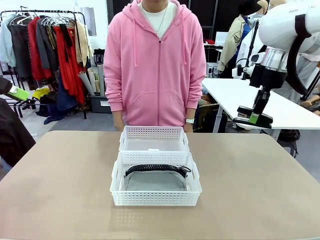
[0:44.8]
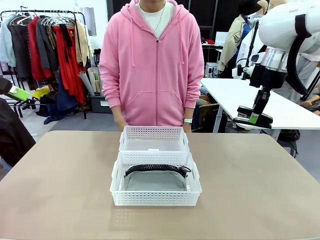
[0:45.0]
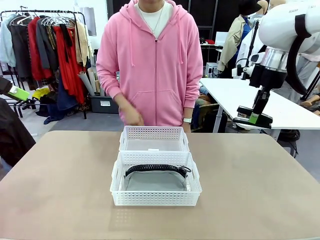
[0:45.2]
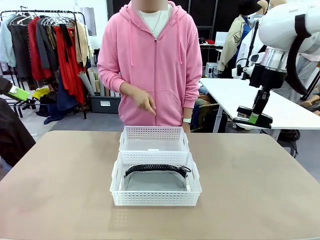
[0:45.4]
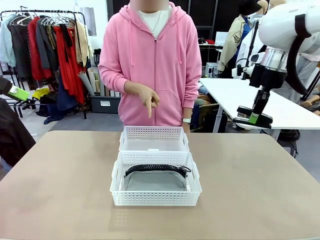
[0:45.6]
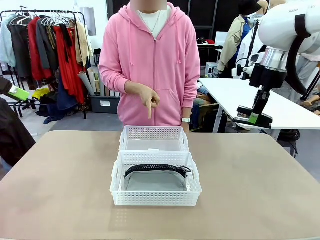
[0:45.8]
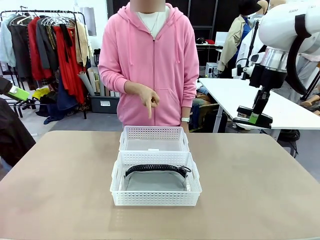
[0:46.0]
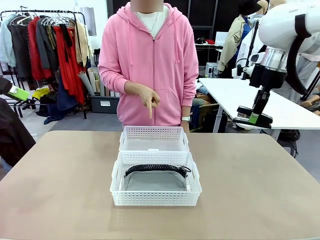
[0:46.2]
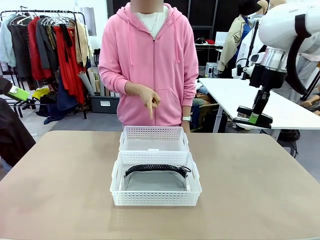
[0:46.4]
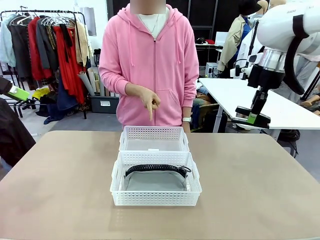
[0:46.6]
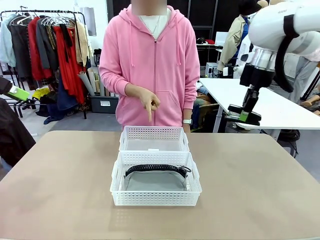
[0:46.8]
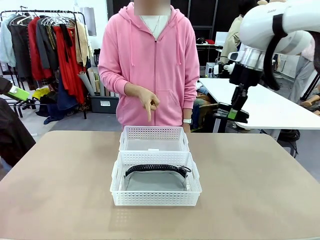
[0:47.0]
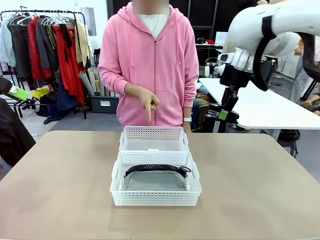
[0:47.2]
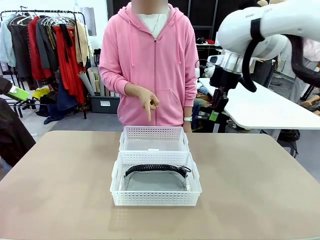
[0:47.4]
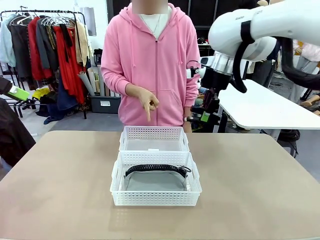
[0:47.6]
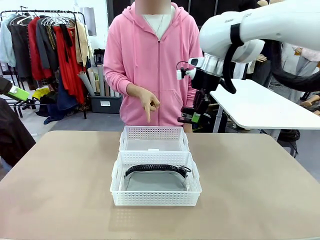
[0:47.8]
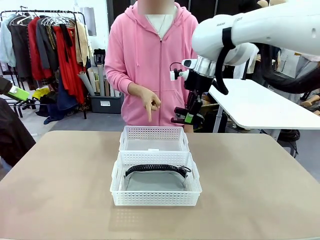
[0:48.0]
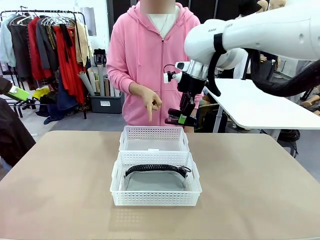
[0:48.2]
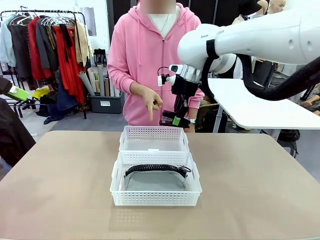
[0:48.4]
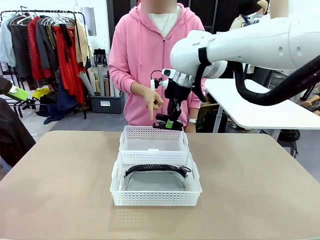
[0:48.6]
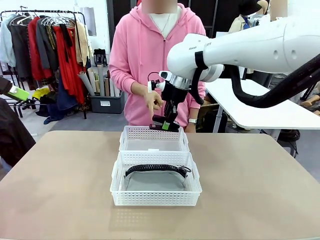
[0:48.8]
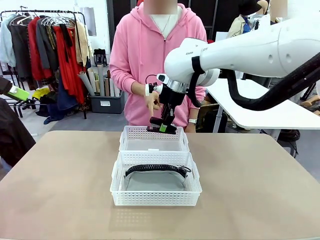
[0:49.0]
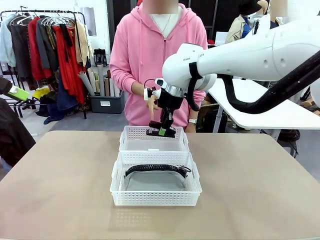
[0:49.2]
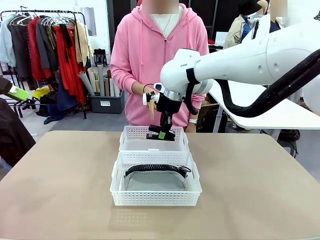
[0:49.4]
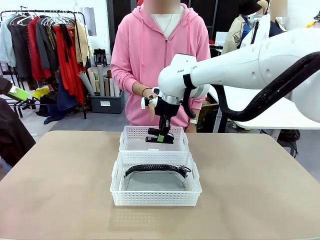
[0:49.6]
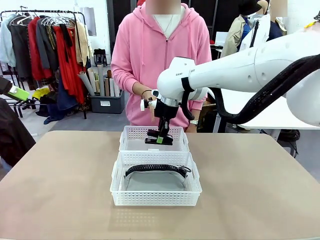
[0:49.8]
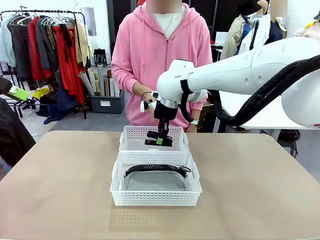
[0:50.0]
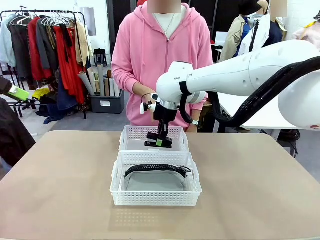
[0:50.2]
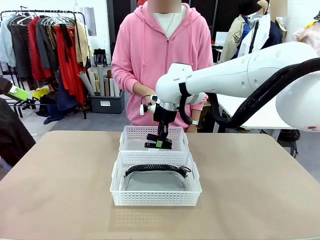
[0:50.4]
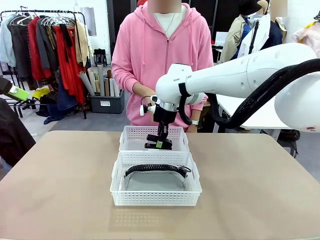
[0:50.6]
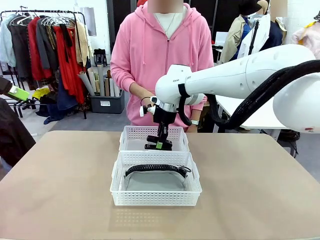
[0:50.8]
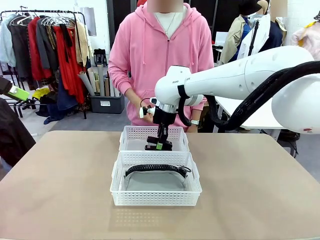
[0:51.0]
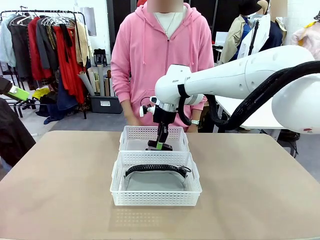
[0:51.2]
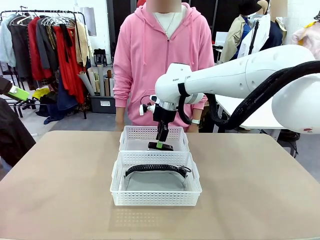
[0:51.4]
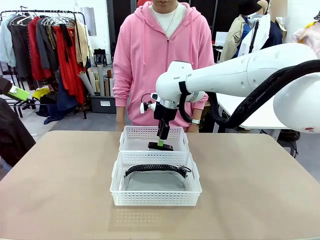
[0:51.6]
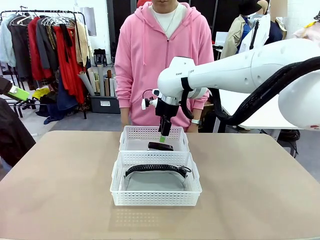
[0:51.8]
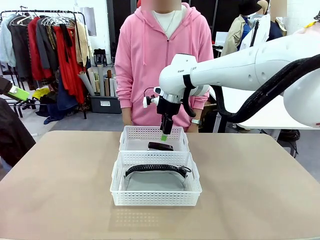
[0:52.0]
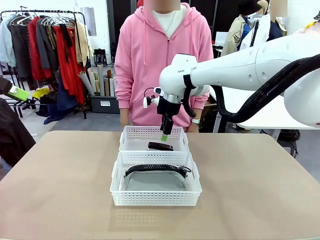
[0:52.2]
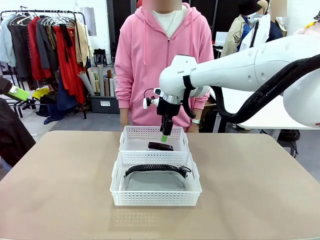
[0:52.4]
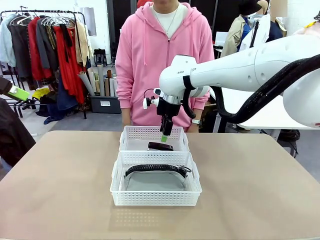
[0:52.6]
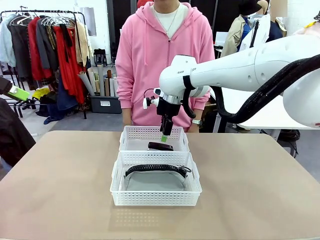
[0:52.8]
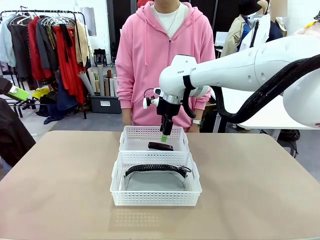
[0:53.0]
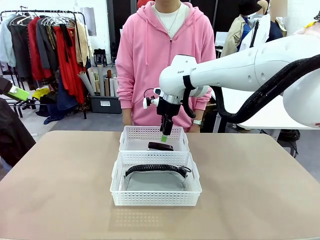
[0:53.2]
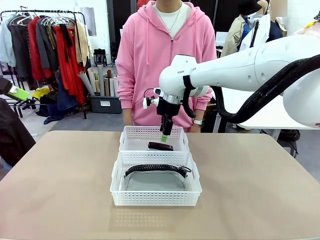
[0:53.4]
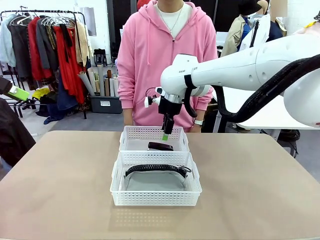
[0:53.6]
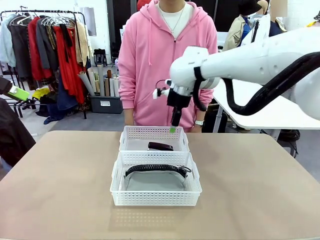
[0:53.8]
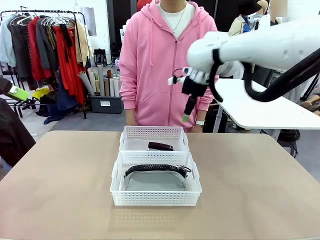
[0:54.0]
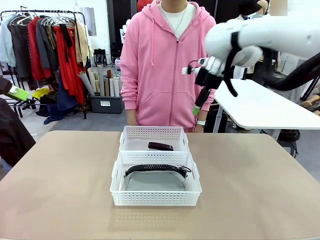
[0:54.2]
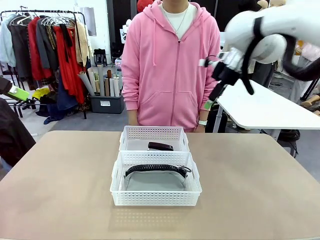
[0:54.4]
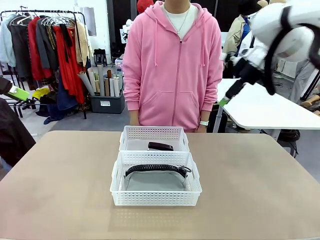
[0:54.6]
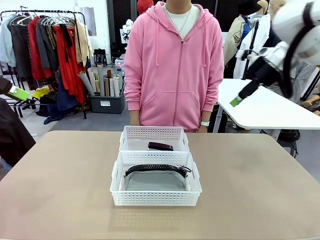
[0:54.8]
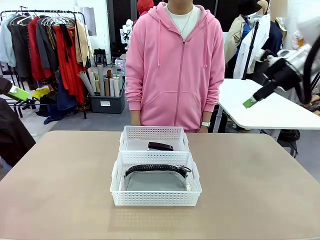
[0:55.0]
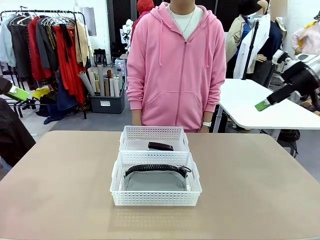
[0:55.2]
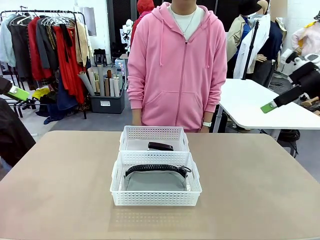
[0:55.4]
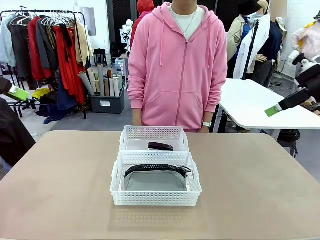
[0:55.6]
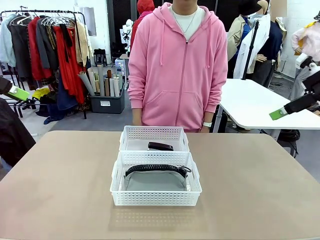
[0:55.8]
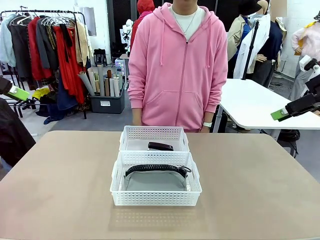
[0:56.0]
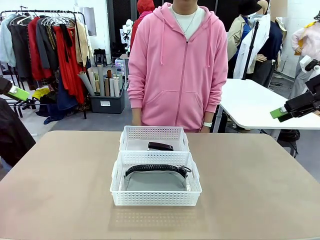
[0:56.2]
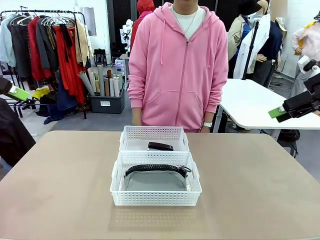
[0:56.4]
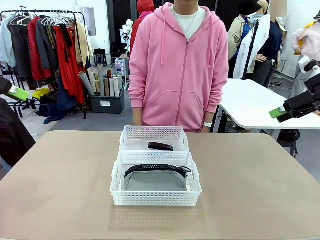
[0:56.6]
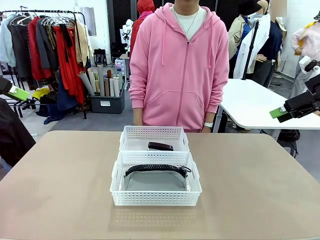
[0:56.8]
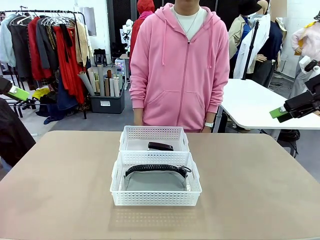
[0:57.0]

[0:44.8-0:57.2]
Task: Distribute items into two baskets.
Robot: Place the picked Stapler into the Organizing basket as instructed by the person.
Person: Points to the basket that does not contain the pencil case and instructs the robot to move the stapler there.

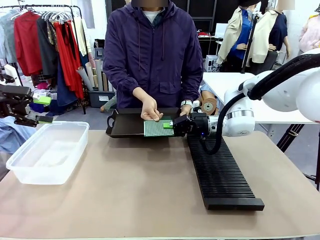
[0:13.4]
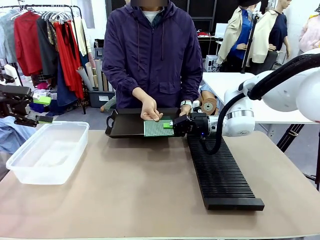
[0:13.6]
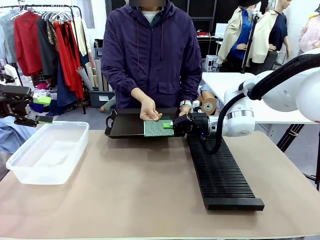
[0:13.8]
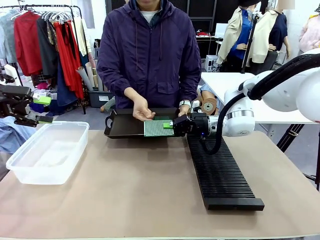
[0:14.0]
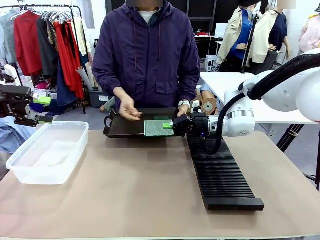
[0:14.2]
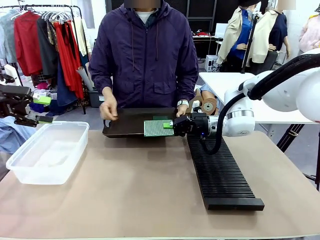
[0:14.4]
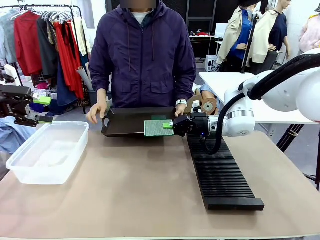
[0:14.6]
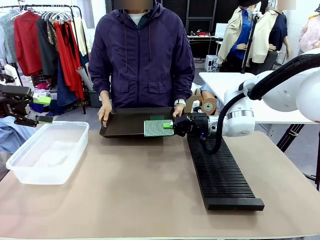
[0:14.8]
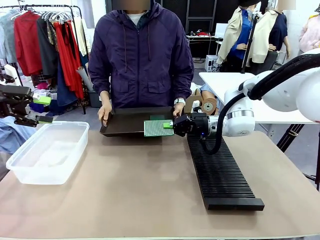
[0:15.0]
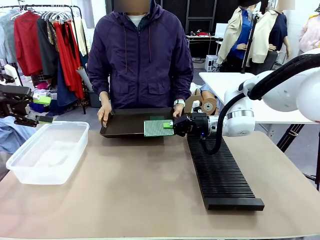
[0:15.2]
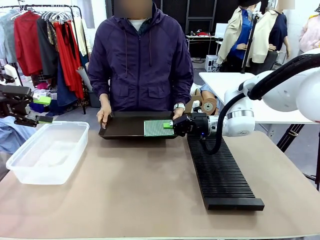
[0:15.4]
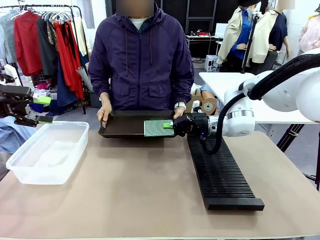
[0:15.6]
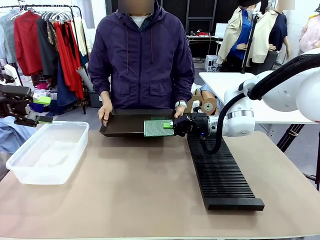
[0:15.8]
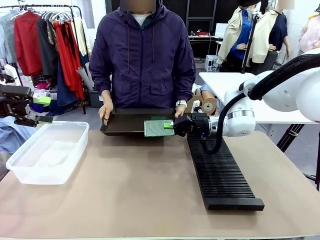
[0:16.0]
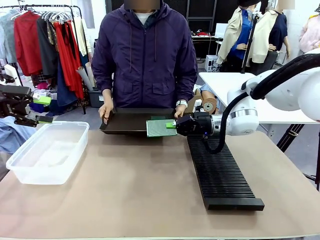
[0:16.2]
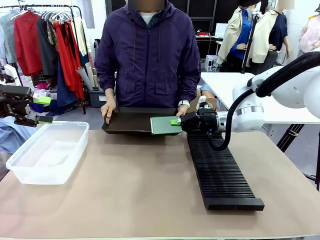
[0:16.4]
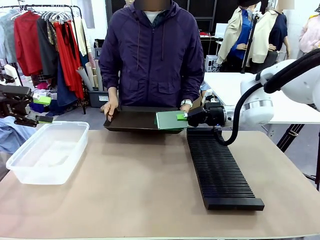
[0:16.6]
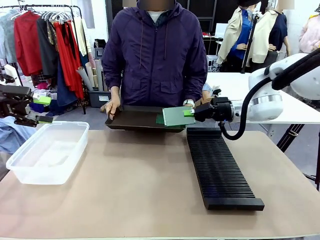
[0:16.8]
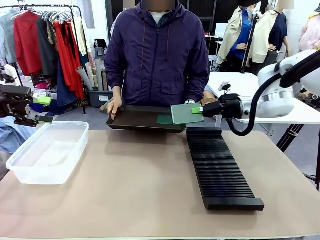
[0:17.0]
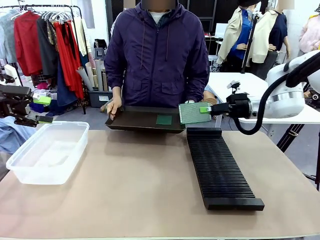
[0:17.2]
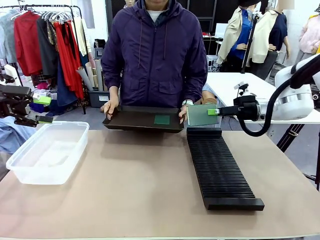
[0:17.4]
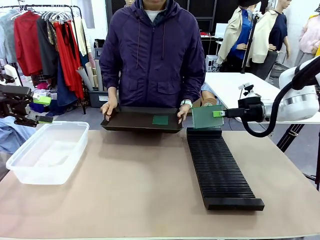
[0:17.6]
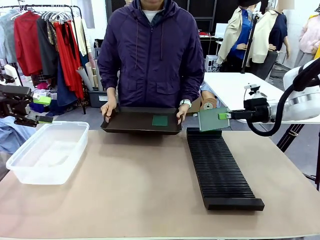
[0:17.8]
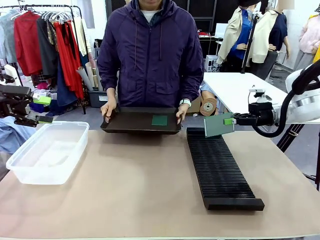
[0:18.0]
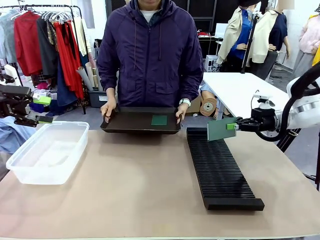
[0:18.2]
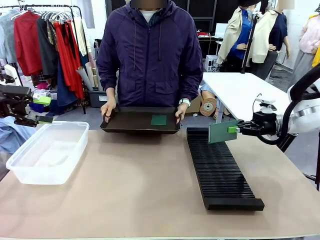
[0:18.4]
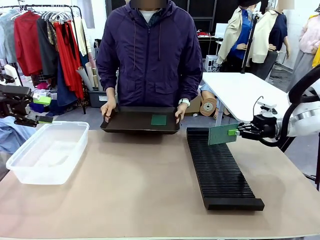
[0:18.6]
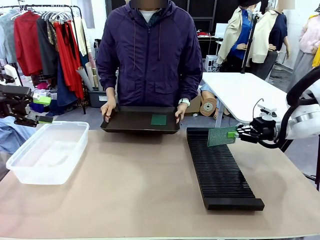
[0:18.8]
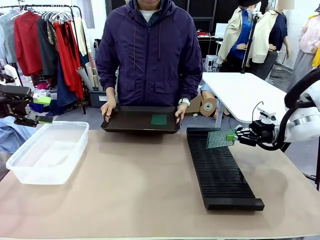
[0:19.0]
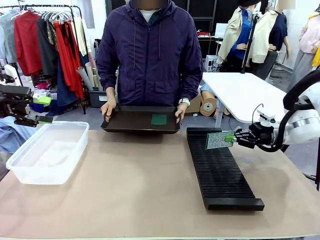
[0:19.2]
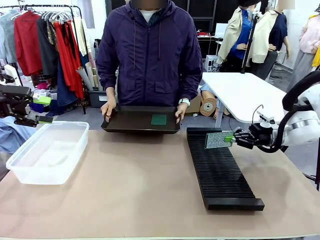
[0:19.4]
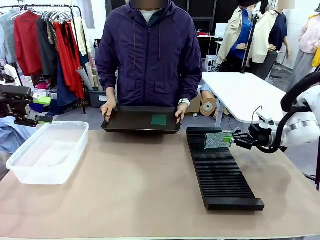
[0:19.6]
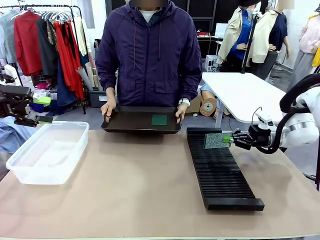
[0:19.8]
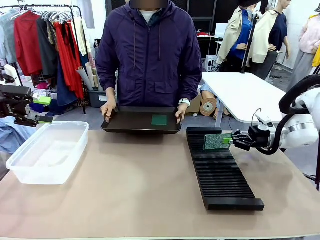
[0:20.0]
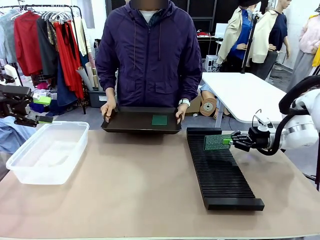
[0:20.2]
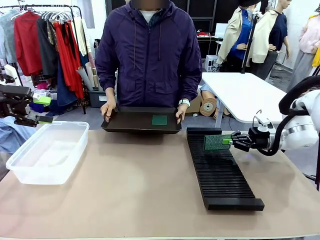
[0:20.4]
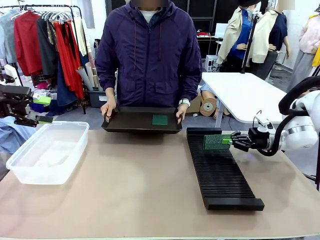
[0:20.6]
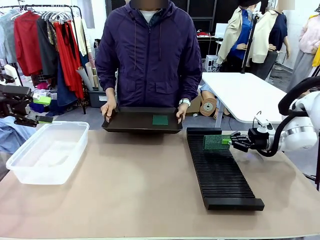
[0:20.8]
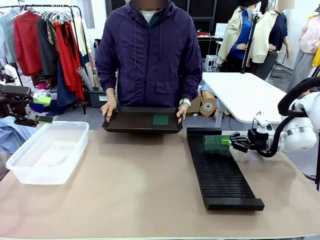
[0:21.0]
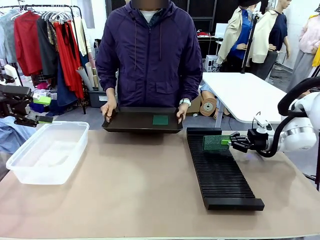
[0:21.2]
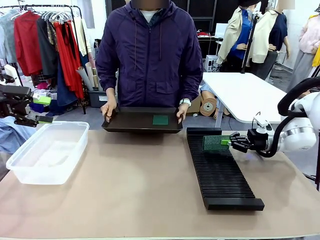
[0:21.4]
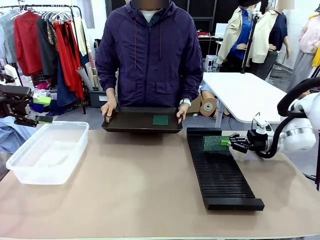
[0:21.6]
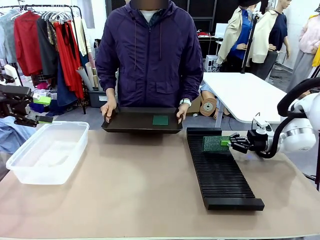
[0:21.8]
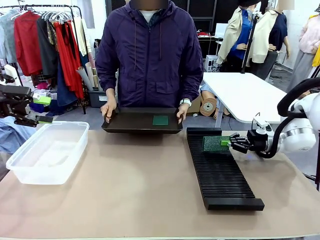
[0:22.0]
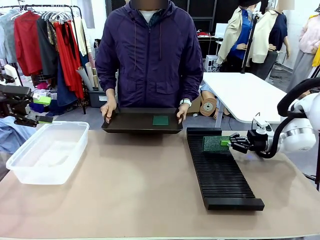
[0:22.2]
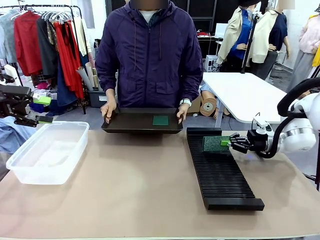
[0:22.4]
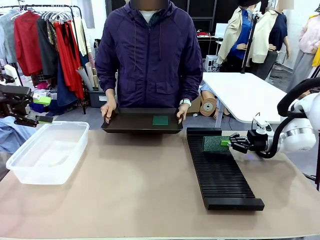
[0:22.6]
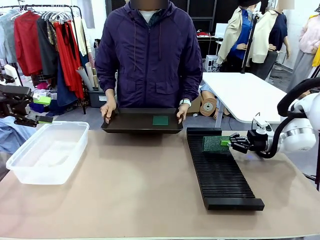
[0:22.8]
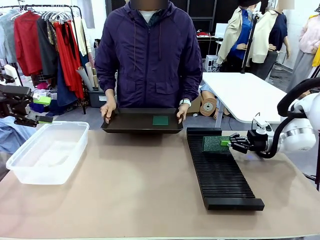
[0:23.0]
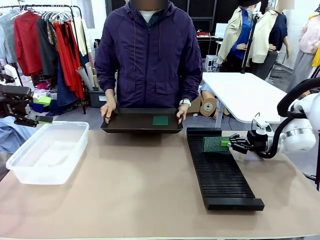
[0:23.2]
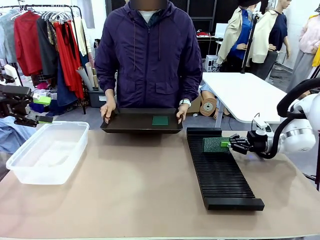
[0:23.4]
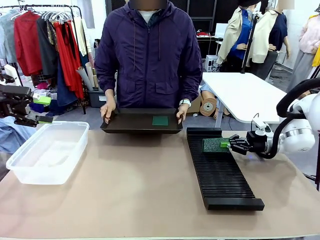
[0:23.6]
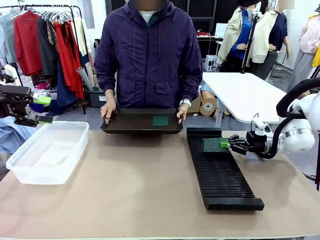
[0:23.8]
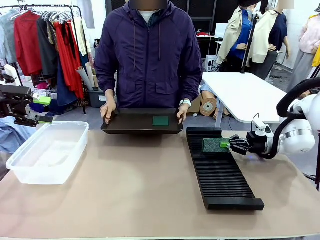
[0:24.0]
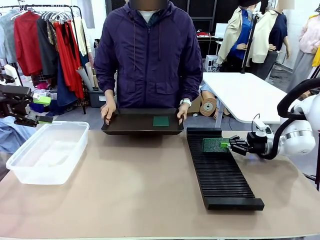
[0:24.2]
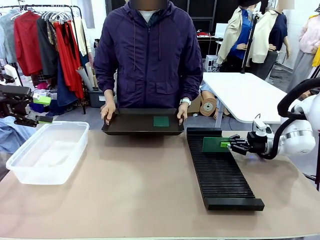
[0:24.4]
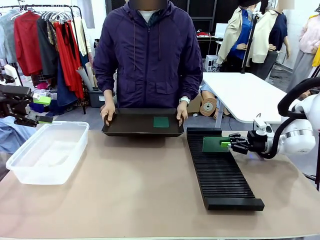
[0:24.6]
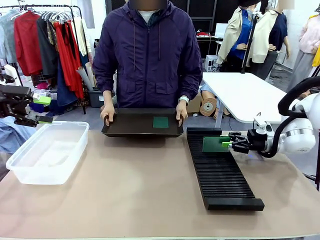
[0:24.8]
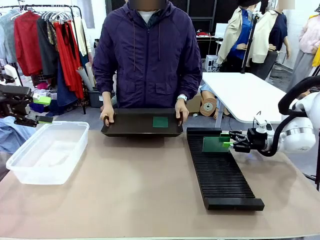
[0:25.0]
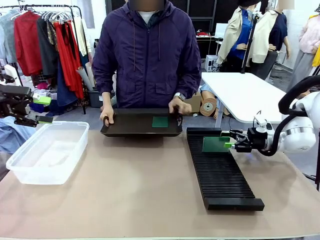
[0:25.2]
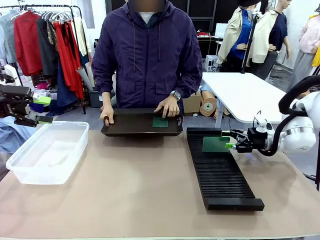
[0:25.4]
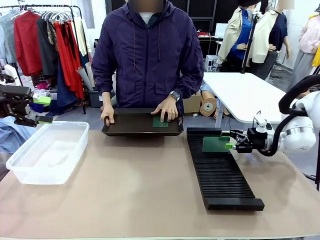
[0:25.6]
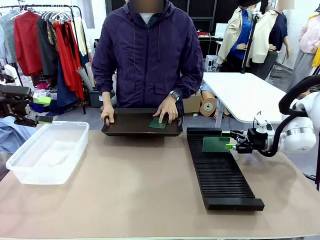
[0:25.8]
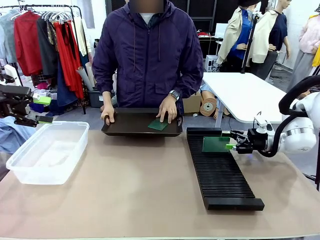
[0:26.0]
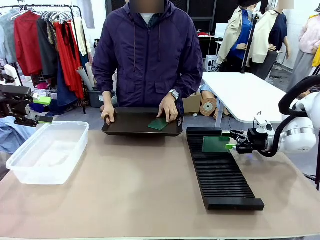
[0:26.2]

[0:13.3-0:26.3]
Task: Sort PCBs into racks and boxes based on the side picked up.
Robot: If the short side of the Blank PCB is picked up, insert it into the PCB Rack ; if the long side is picked up, place it in the Organizing box.
Person: Pick one PCB from the tray and present it to the robot.
